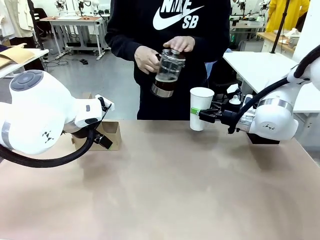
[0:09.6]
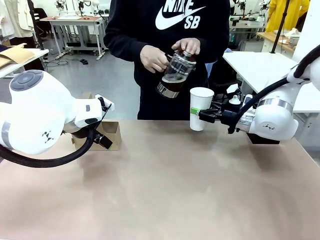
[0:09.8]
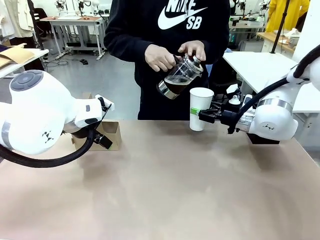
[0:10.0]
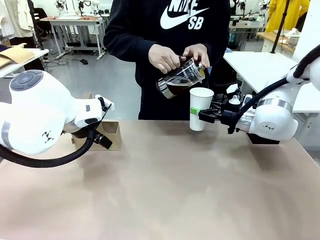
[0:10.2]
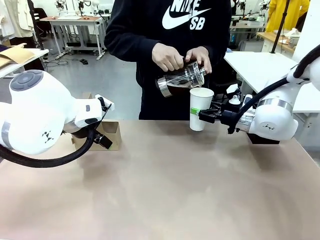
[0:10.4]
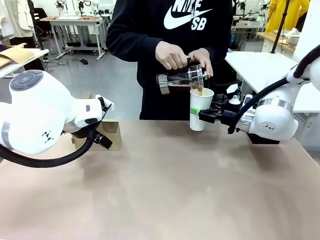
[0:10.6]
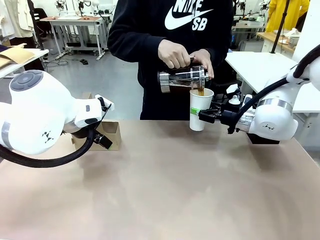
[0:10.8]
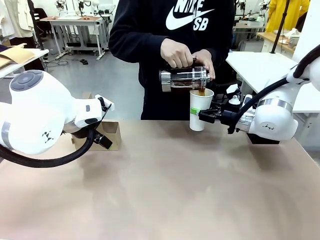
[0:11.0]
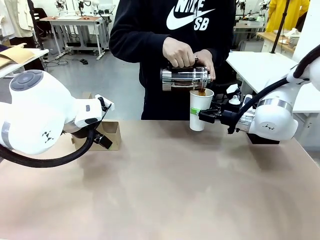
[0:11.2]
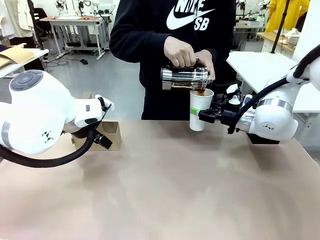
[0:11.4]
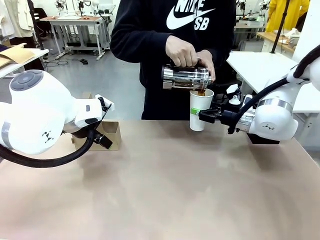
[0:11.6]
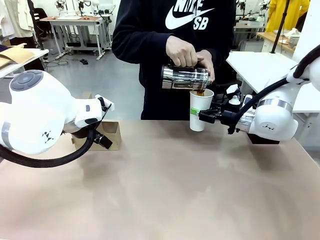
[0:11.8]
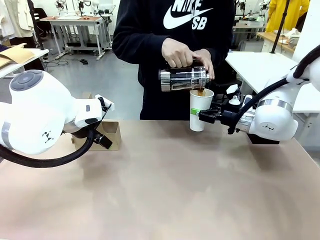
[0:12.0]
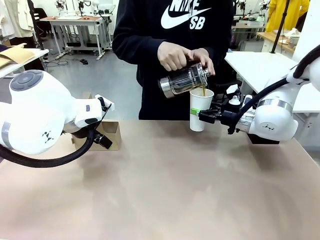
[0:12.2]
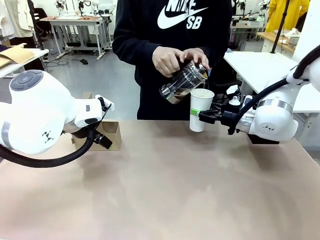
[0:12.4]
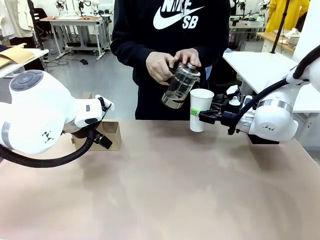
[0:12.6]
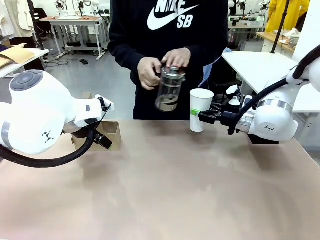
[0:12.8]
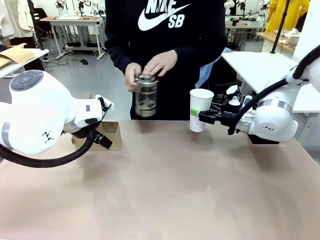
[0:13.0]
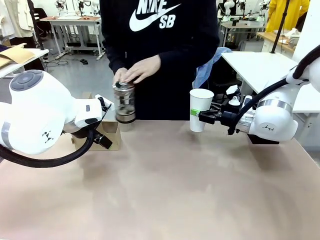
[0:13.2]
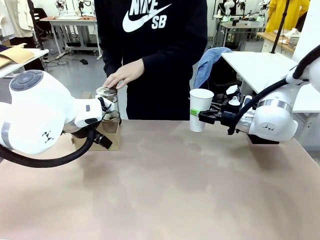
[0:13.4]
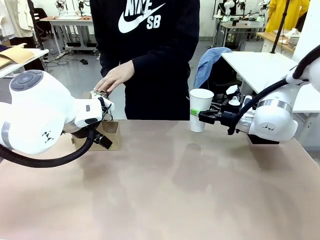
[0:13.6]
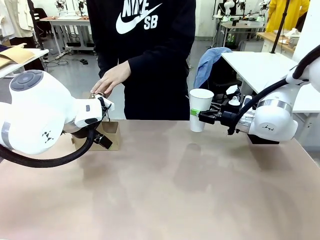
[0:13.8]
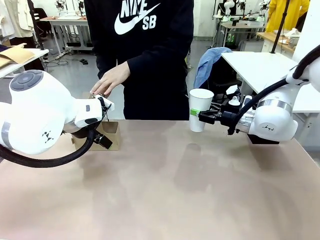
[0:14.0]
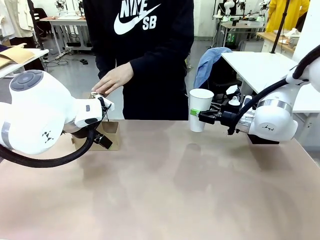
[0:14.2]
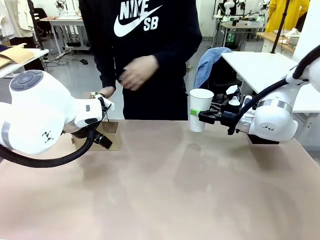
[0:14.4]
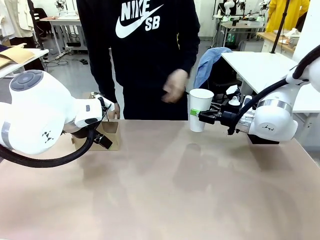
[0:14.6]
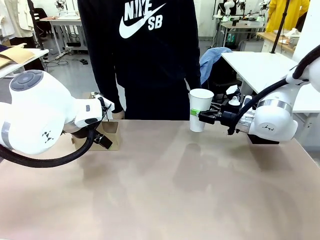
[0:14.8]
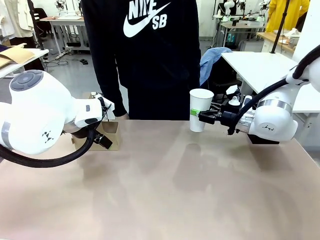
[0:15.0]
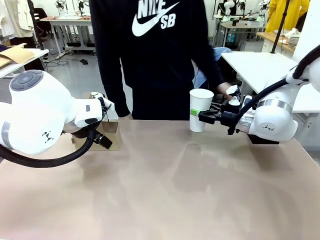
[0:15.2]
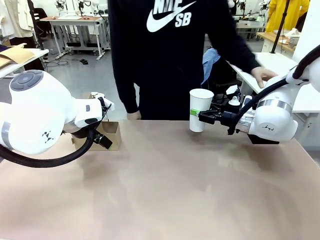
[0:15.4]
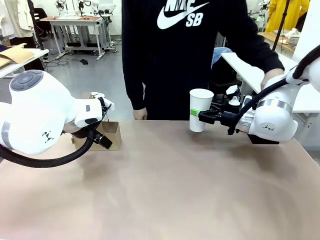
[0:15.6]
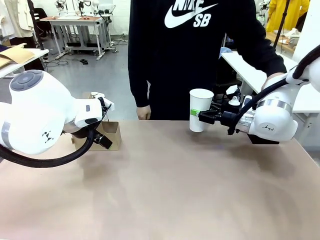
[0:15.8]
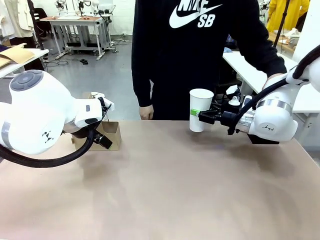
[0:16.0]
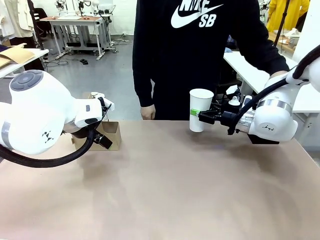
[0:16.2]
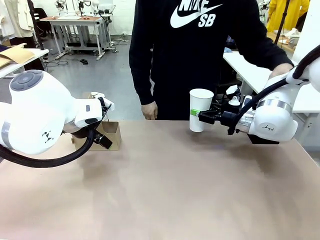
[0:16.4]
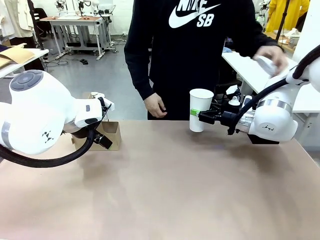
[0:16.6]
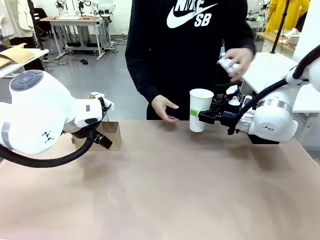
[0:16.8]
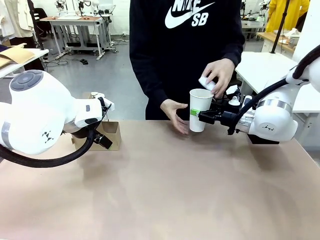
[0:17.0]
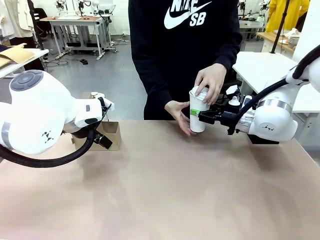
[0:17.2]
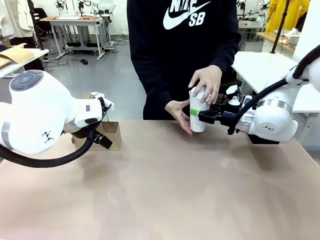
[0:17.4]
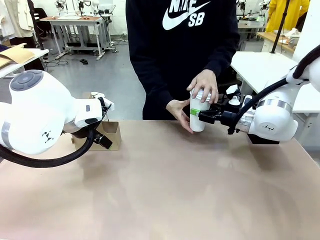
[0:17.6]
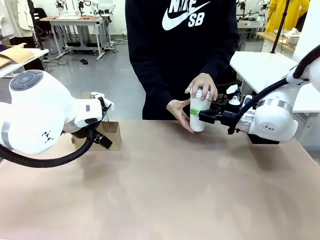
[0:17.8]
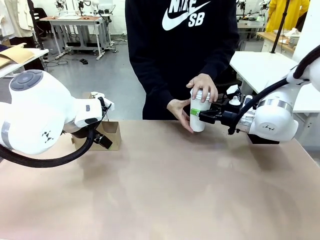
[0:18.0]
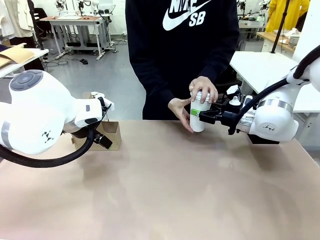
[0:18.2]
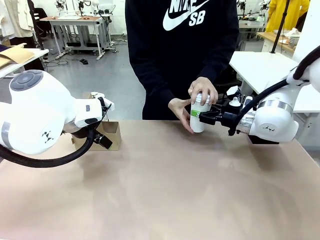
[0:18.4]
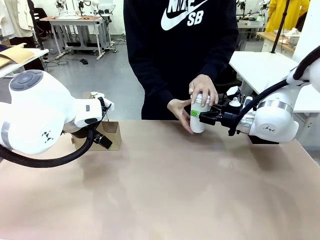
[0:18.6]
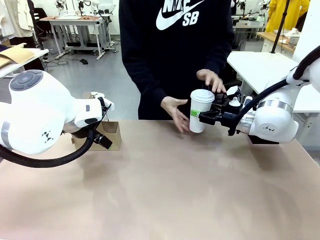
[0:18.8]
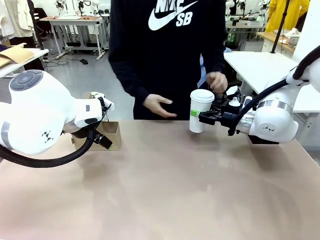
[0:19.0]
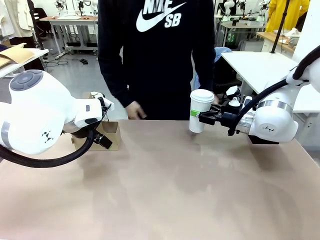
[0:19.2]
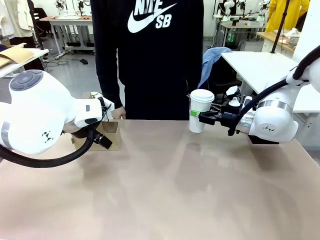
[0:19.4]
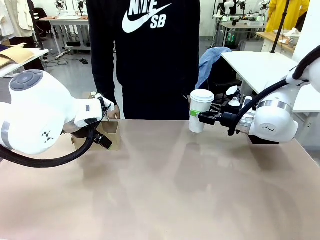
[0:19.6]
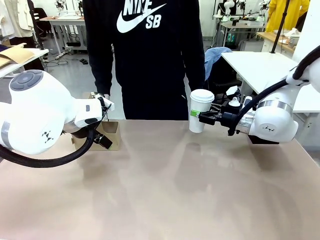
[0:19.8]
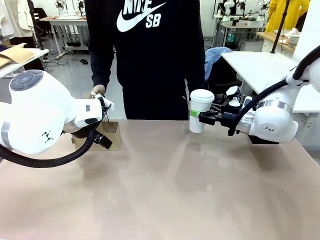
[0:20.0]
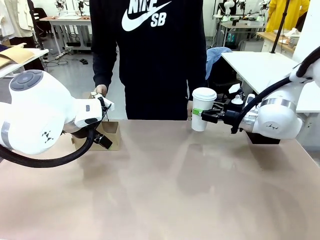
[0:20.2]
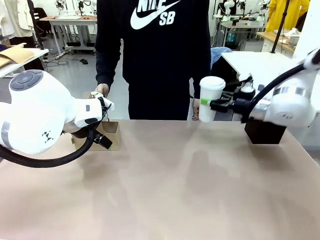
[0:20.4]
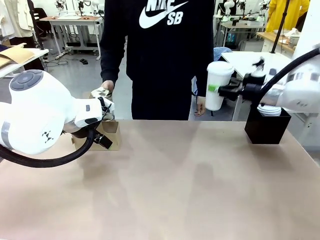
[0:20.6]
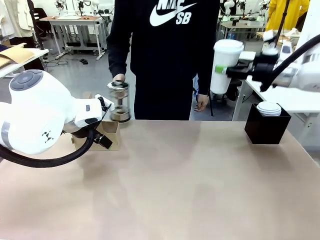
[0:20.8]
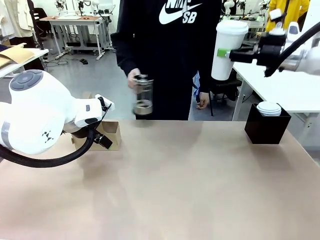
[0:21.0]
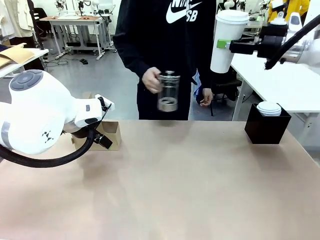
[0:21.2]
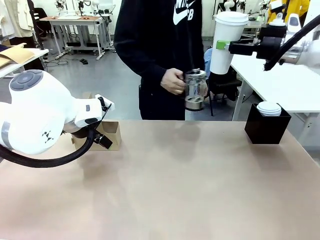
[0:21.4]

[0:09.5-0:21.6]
Task: Pour a drink into a cup and package it in a carrier.
Robot: When a person places the Paper Cup Lid on the 600 ml Paper Cup , lift the 600 ml Paper Cup.
Person: Pour the drink from the Filter Brewing into the 600 ml Paper Cup. Place a Paper Cup Lid on the 600 ml Paper Cup.

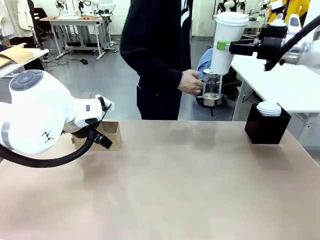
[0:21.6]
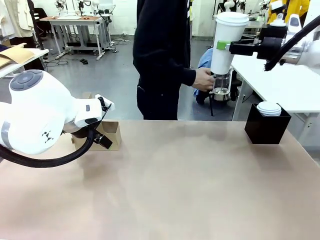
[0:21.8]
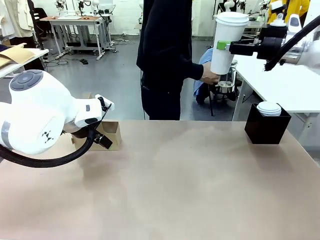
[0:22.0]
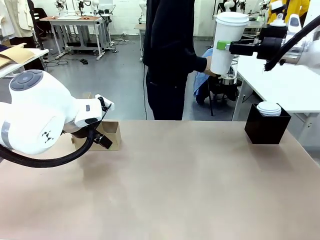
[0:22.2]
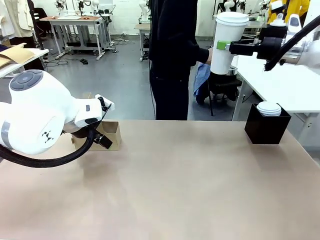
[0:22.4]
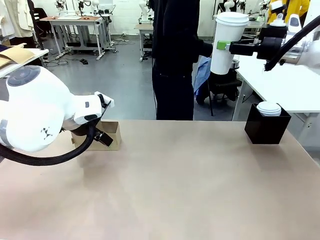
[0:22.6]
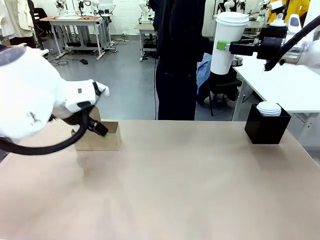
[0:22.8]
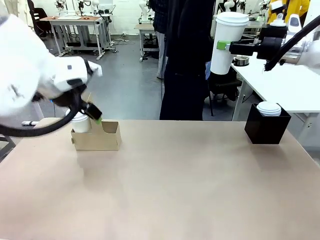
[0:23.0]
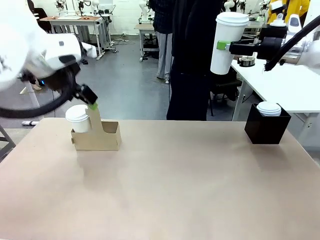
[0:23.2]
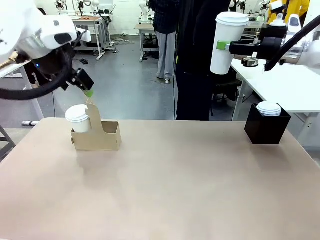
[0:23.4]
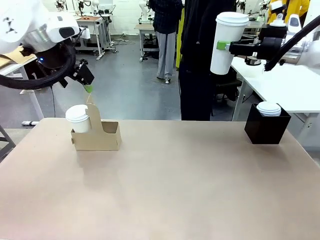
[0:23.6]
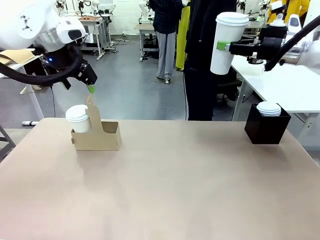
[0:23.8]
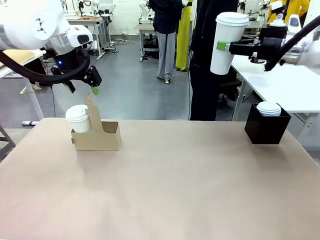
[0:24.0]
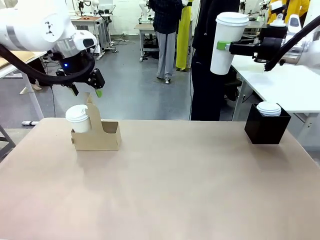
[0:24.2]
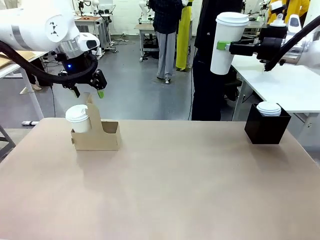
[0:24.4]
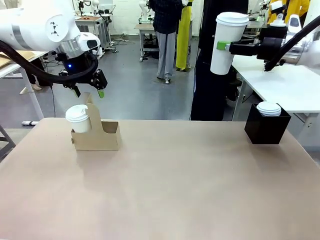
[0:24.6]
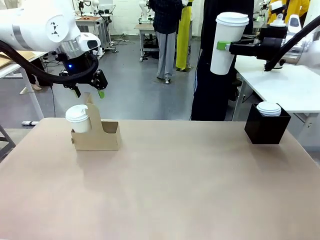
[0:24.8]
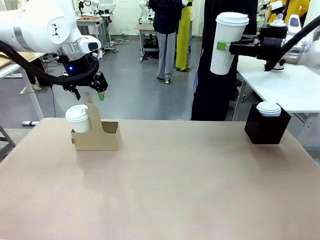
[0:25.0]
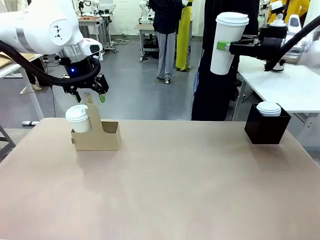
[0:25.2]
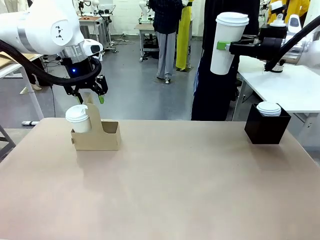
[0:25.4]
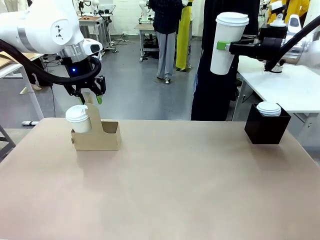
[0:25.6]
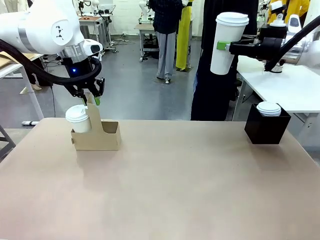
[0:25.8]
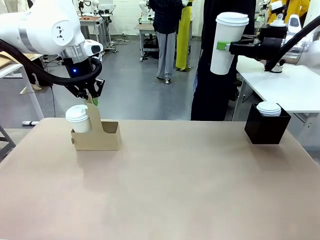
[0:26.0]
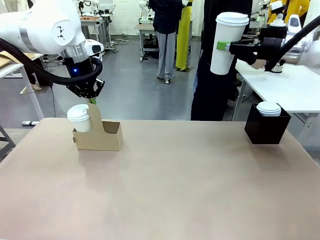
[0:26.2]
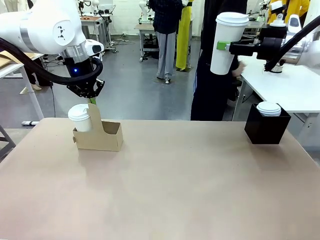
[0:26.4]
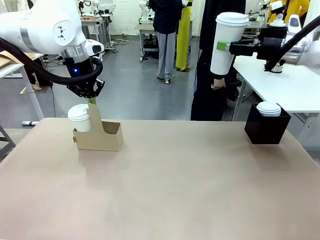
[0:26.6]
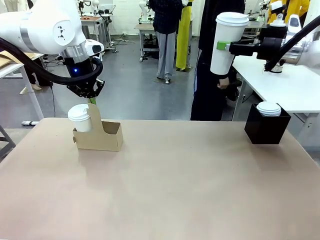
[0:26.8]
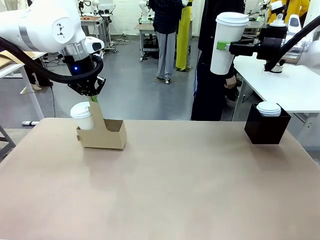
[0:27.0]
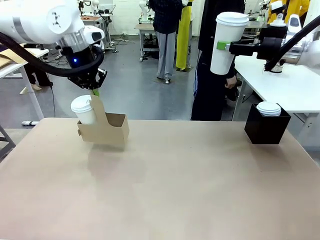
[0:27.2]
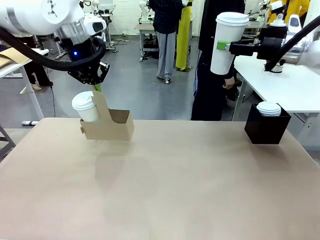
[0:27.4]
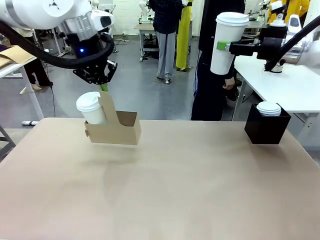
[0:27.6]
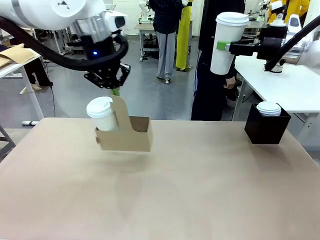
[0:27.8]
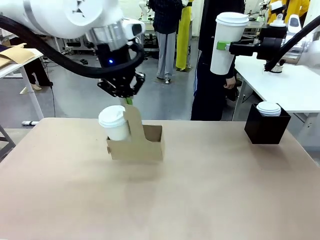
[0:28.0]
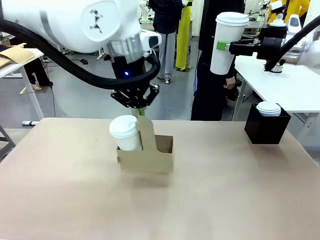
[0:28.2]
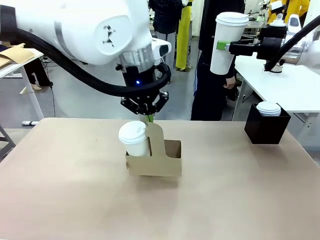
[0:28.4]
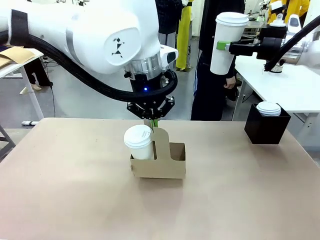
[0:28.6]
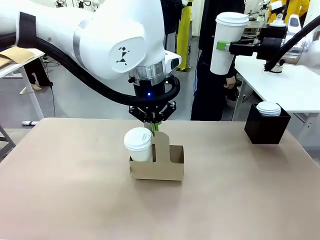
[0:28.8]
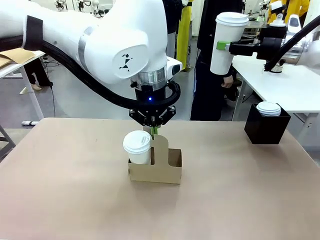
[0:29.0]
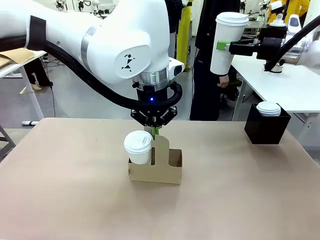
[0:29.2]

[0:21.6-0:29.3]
Robot: Position the Cup Carrier in the center of the table.
